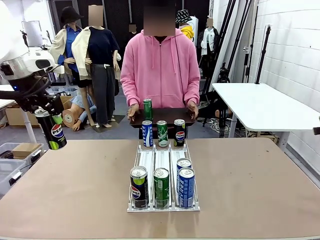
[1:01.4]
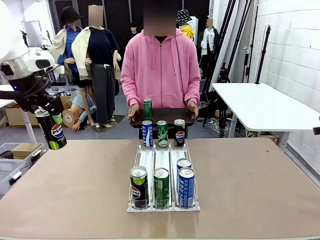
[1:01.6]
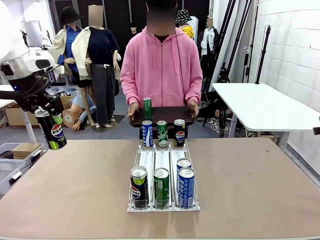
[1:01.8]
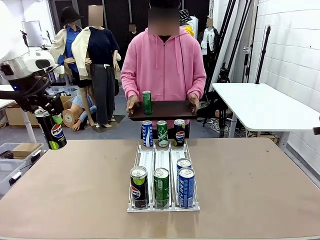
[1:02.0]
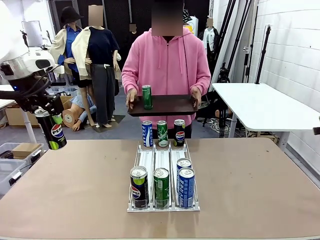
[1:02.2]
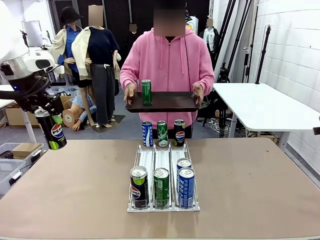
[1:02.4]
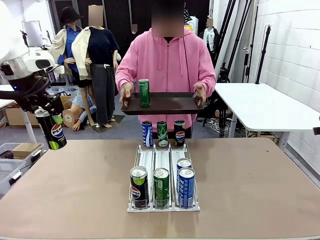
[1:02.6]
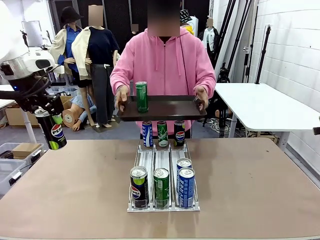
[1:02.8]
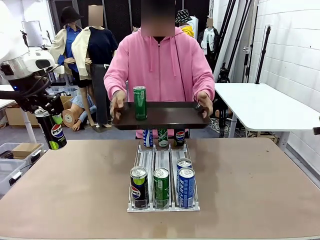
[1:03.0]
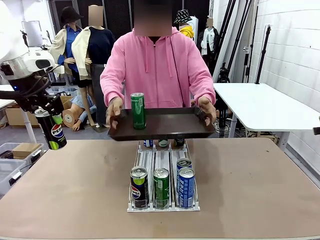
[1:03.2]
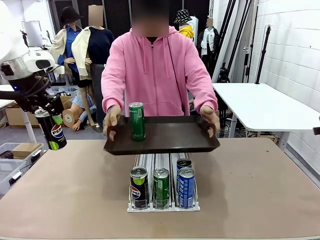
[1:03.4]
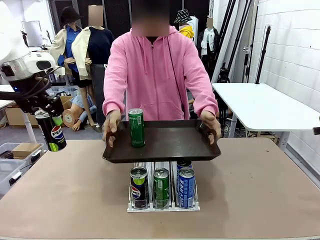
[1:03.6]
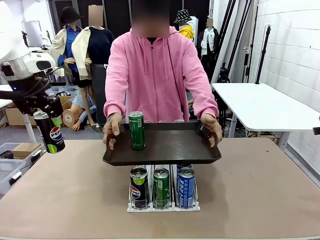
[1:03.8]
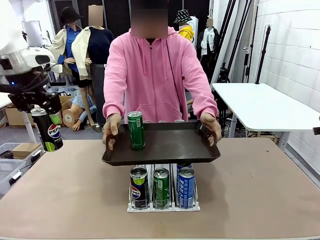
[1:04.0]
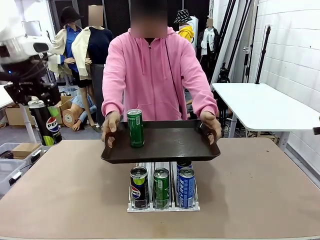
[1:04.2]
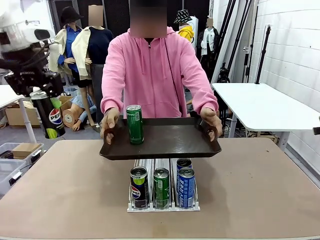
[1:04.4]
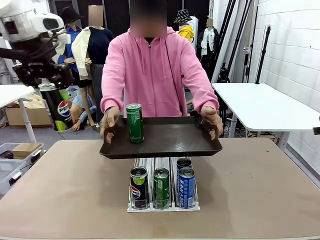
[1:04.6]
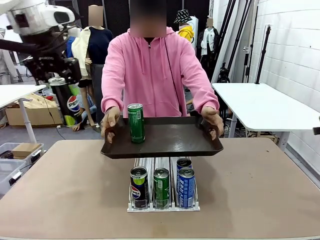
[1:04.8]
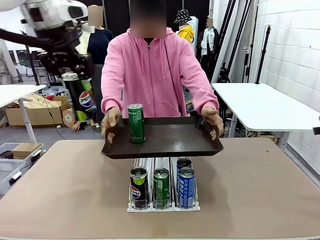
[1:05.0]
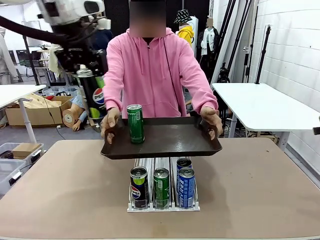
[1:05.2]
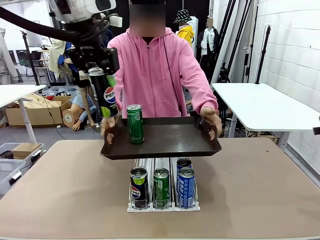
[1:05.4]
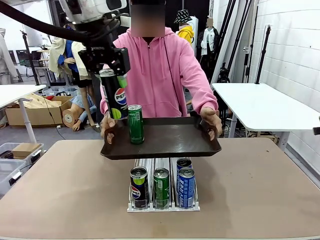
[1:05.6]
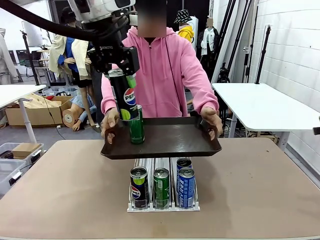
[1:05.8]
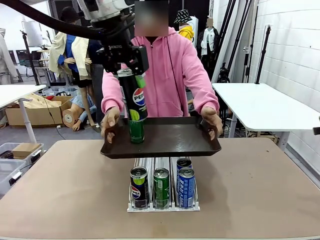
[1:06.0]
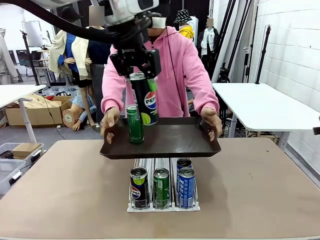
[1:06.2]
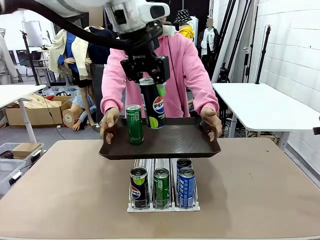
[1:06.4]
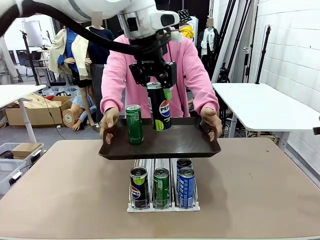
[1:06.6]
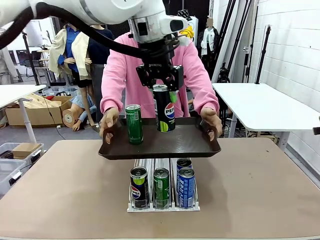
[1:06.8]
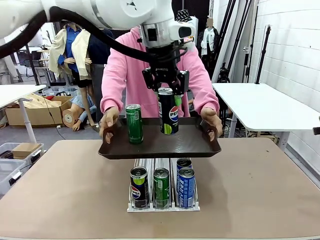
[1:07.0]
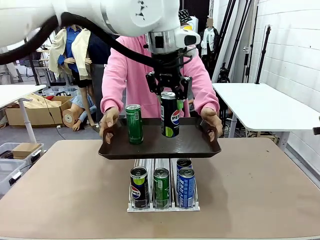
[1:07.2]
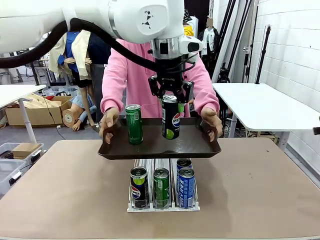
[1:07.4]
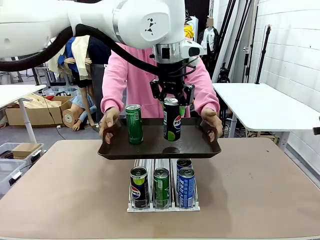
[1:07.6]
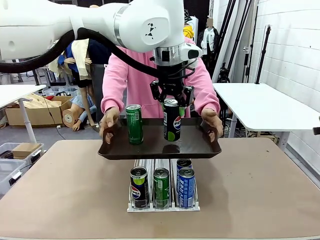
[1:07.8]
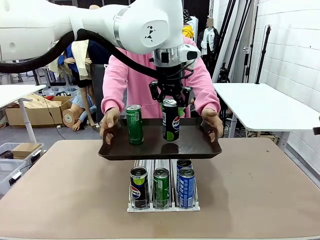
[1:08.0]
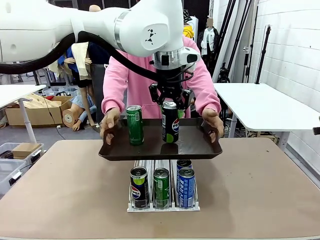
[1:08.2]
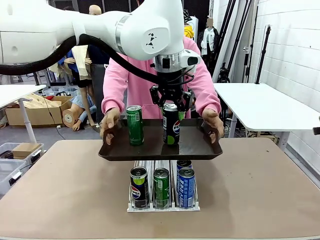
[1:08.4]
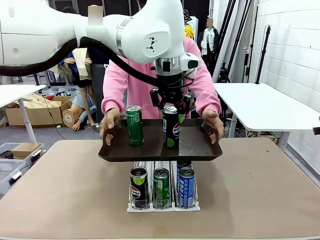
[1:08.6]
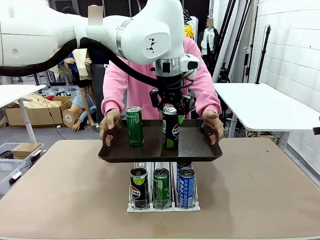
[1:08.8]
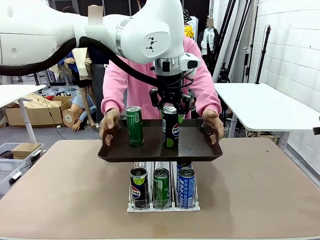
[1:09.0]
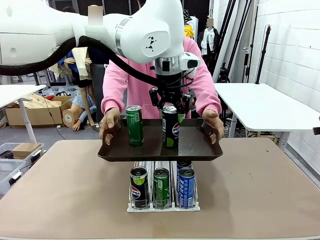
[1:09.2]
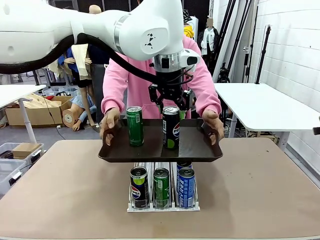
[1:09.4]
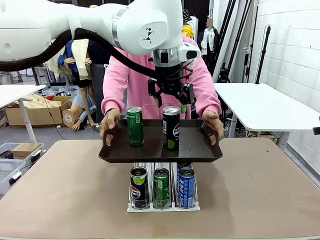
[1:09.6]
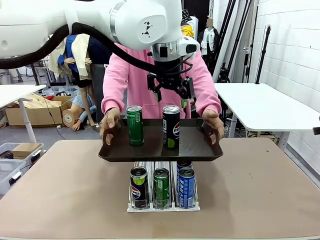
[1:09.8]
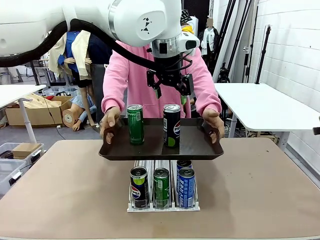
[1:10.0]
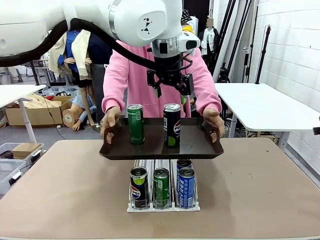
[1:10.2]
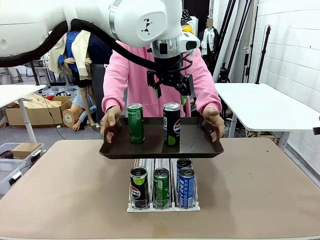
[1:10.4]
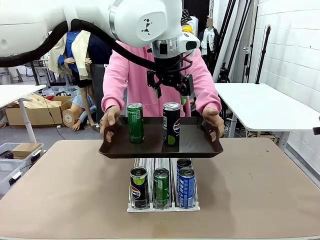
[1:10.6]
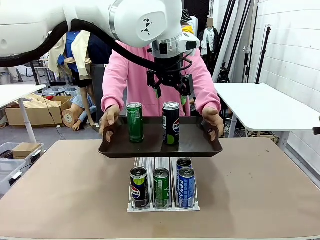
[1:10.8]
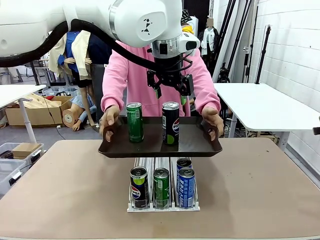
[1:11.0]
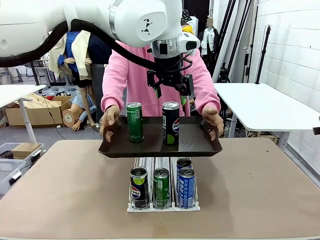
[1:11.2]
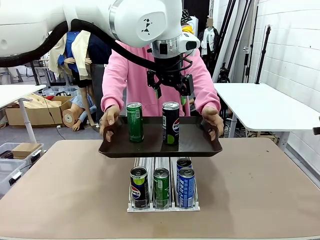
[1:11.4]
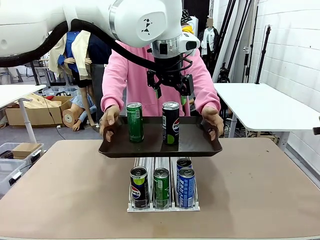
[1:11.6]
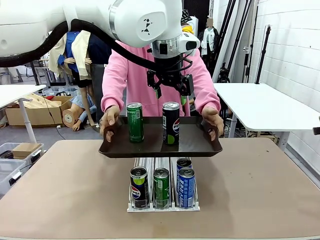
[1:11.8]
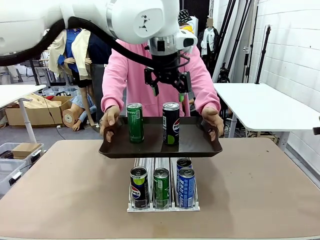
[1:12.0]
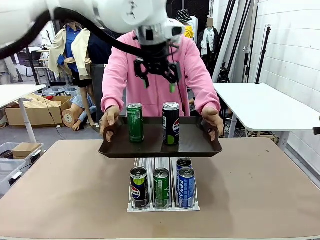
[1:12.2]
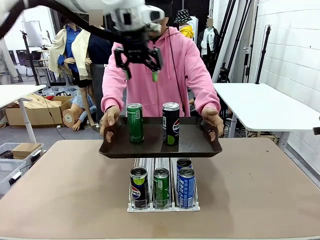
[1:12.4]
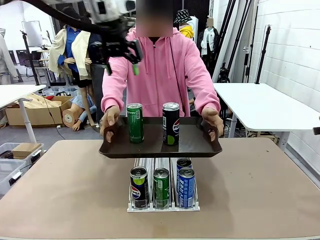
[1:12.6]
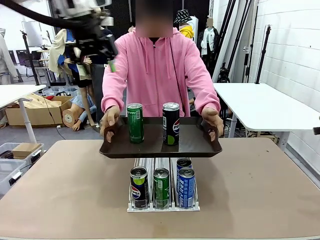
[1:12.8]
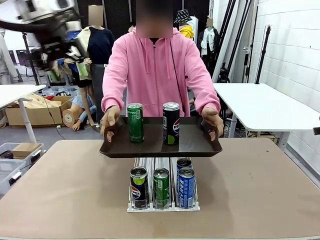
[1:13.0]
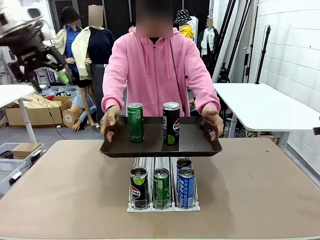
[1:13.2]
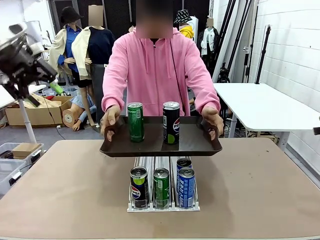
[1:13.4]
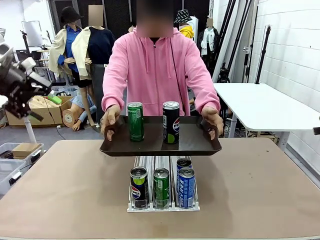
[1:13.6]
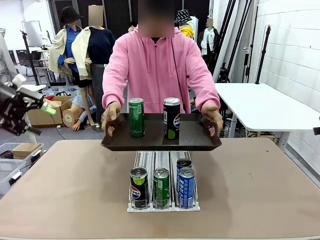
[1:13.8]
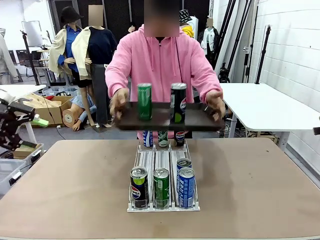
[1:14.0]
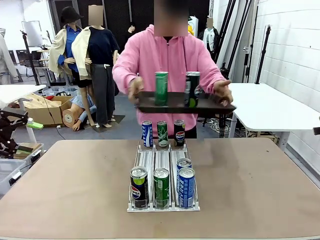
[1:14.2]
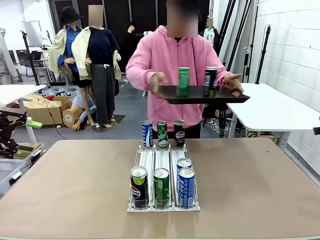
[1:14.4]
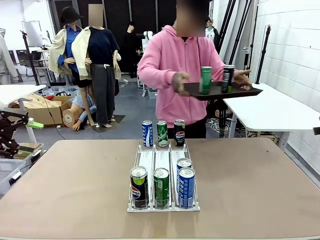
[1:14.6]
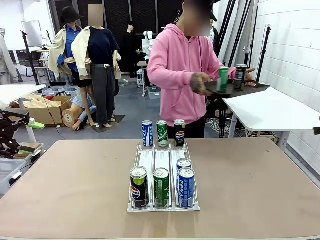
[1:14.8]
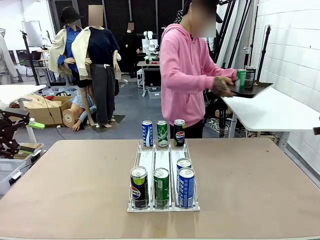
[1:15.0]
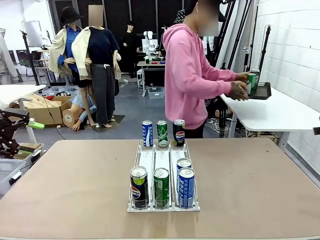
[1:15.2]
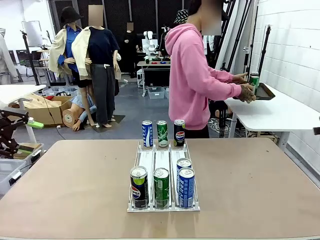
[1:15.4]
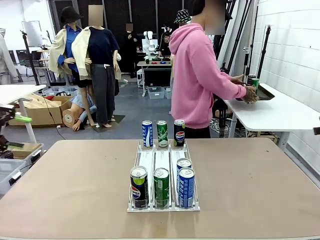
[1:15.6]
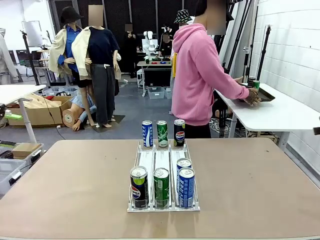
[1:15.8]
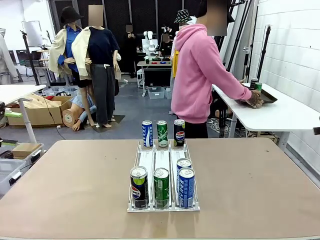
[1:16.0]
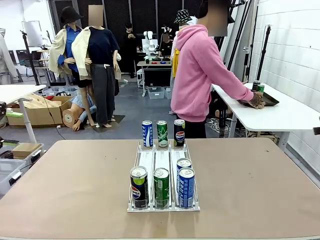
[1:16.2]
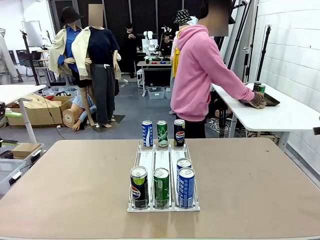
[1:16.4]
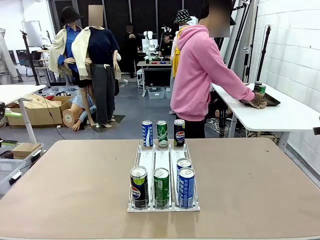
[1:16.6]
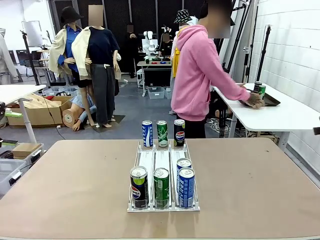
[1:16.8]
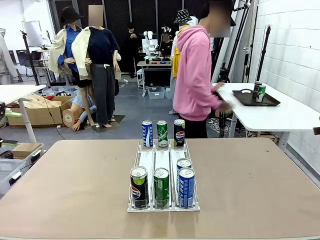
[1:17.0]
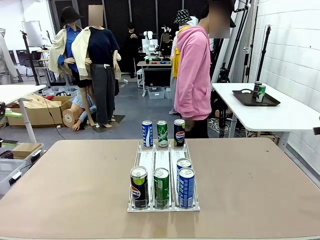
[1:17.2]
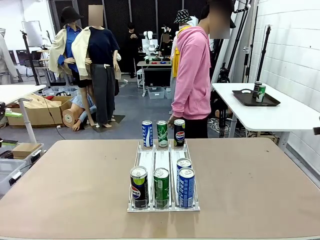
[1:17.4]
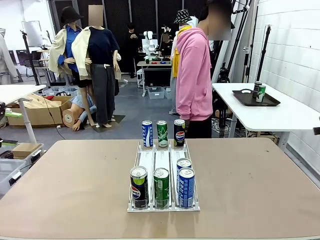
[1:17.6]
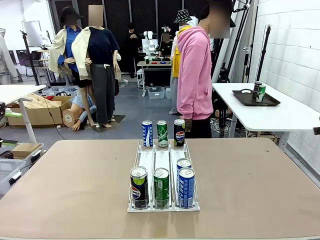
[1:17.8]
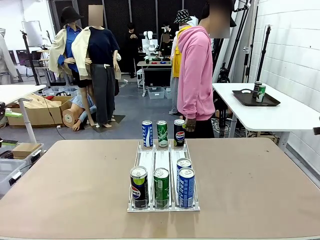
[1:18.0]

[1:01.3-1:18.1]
Task: Retrieve and hand over the desired beverage to the person.
Robot: Place the picked can on the Handle tray extended by the person.
Person: Pull the tray back and place it at the center of the human table.
